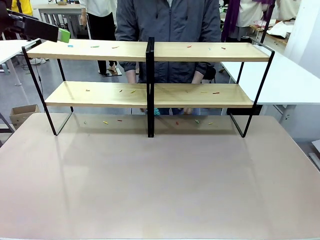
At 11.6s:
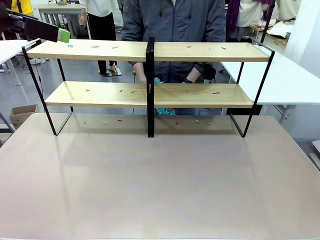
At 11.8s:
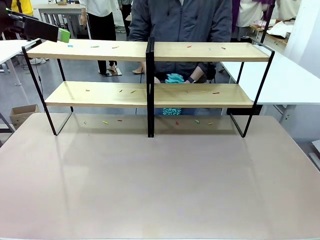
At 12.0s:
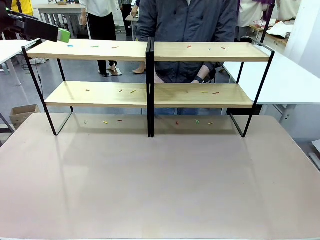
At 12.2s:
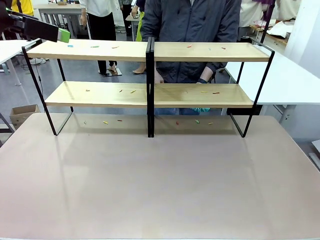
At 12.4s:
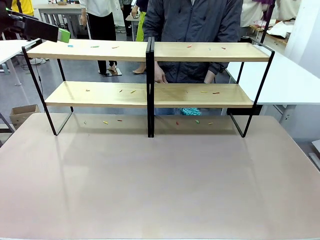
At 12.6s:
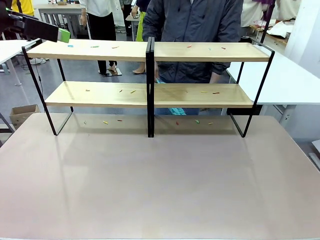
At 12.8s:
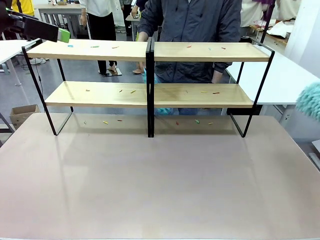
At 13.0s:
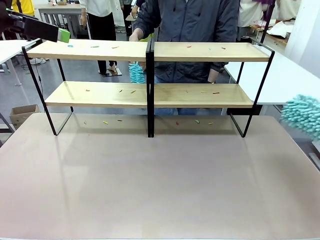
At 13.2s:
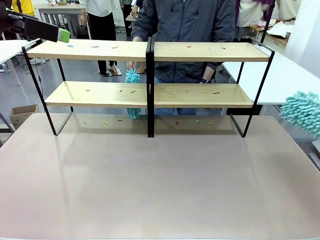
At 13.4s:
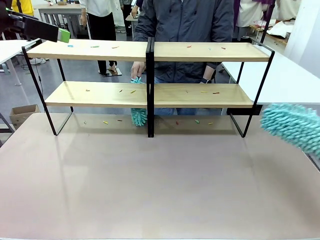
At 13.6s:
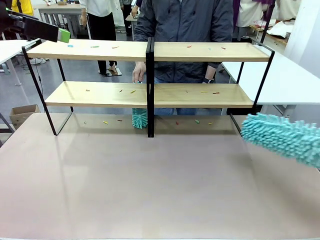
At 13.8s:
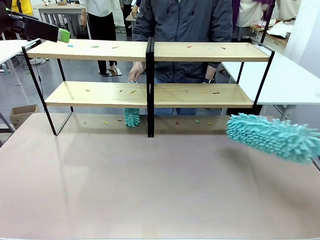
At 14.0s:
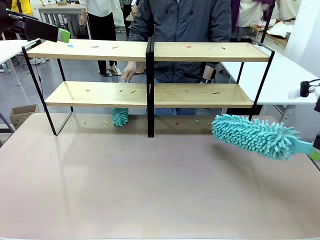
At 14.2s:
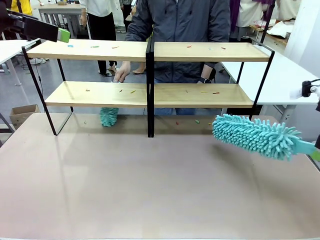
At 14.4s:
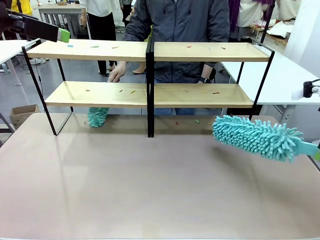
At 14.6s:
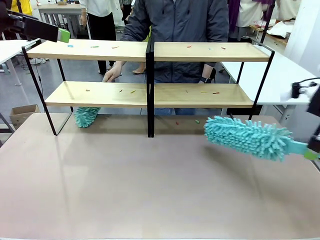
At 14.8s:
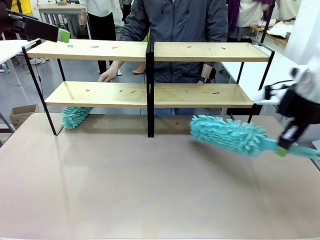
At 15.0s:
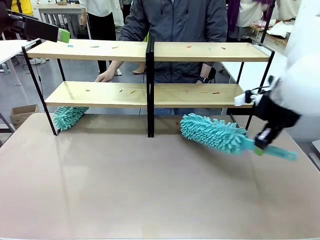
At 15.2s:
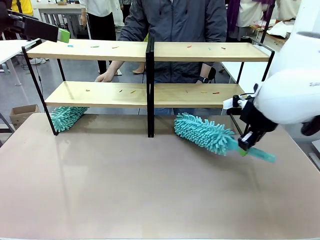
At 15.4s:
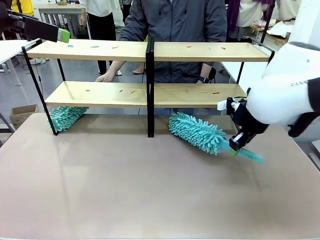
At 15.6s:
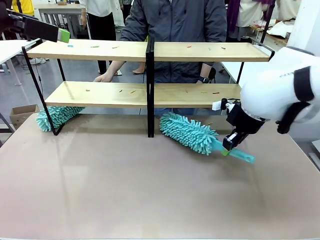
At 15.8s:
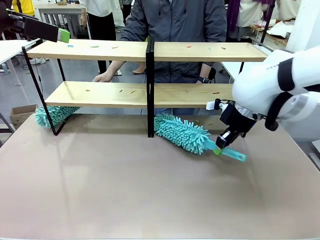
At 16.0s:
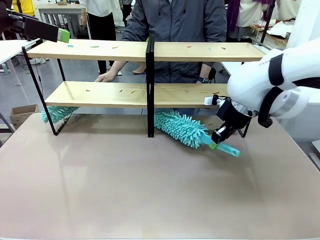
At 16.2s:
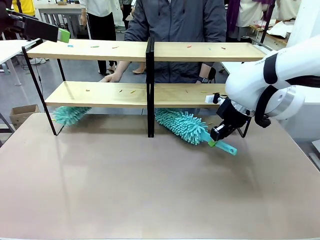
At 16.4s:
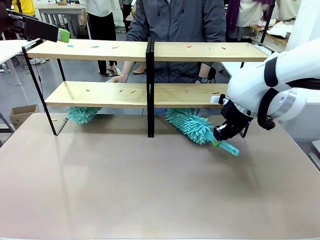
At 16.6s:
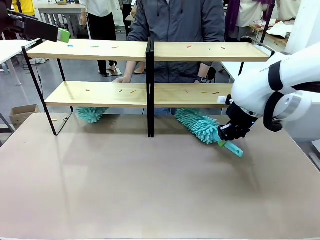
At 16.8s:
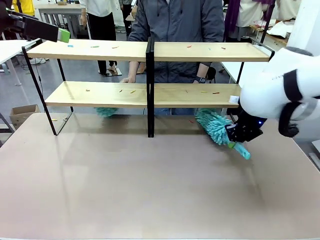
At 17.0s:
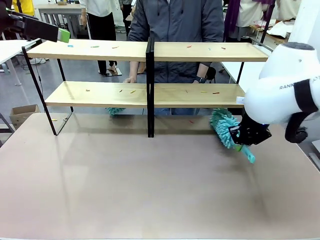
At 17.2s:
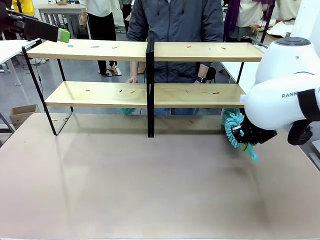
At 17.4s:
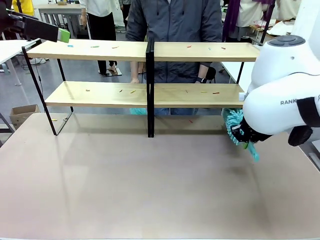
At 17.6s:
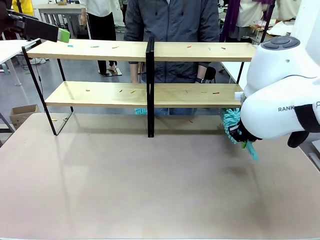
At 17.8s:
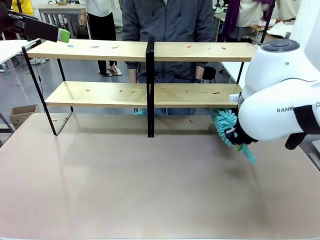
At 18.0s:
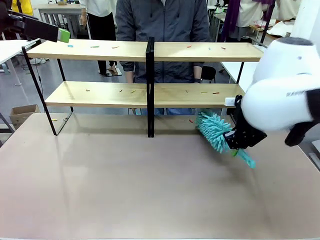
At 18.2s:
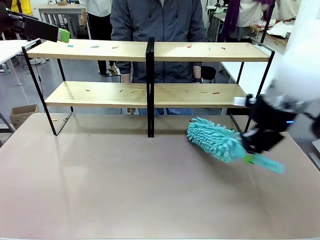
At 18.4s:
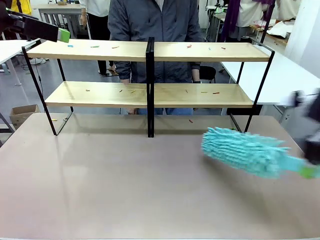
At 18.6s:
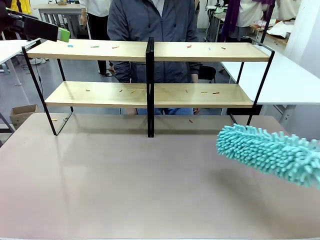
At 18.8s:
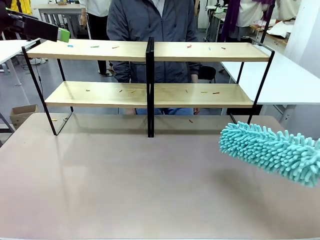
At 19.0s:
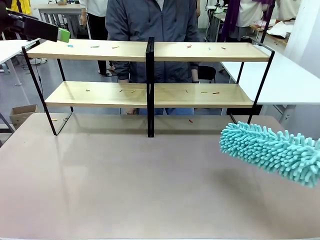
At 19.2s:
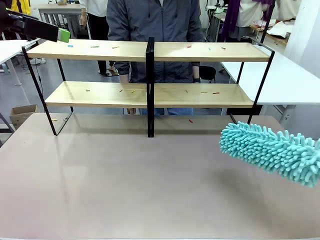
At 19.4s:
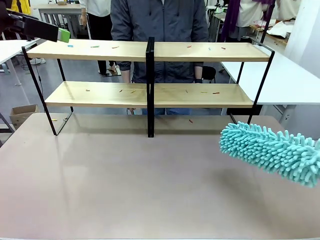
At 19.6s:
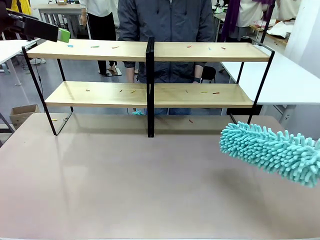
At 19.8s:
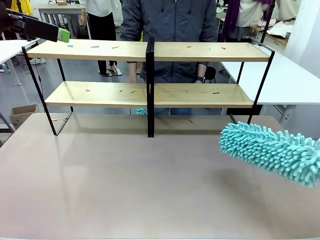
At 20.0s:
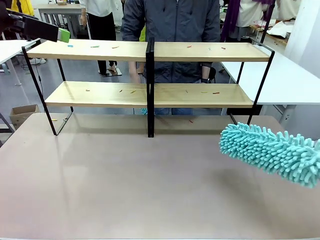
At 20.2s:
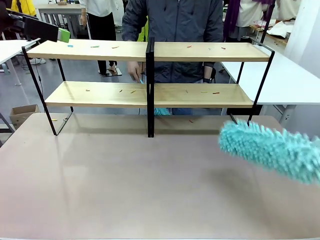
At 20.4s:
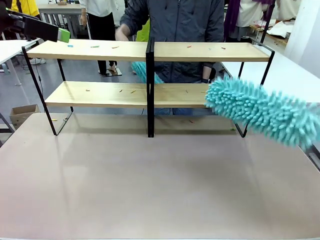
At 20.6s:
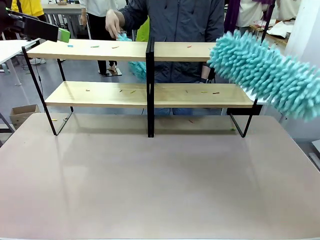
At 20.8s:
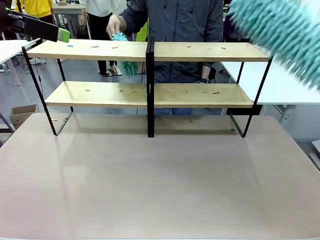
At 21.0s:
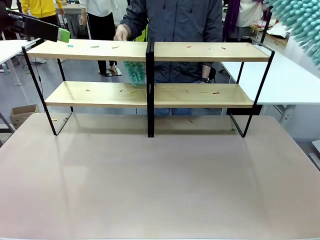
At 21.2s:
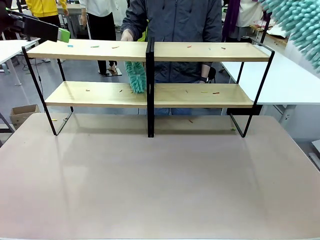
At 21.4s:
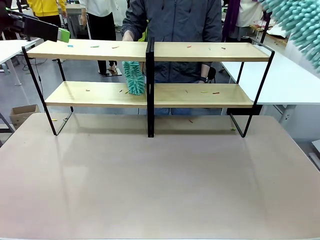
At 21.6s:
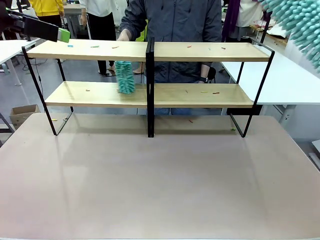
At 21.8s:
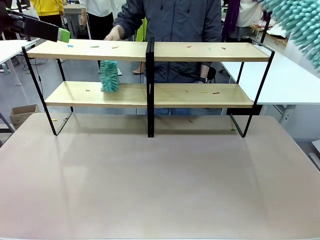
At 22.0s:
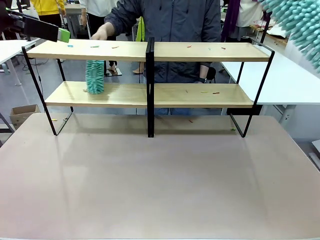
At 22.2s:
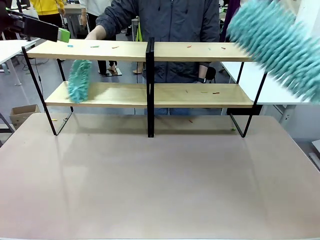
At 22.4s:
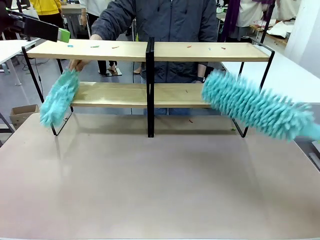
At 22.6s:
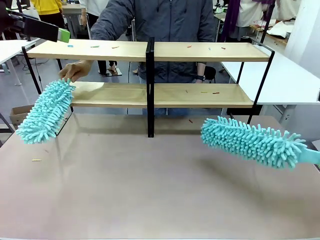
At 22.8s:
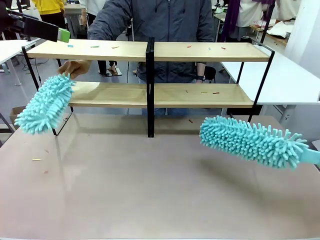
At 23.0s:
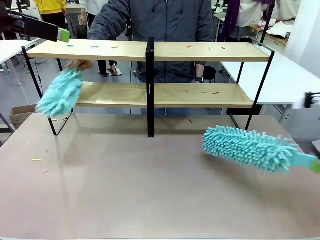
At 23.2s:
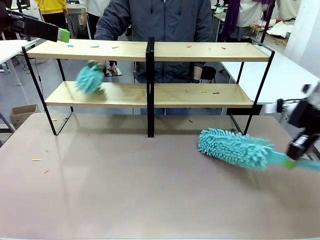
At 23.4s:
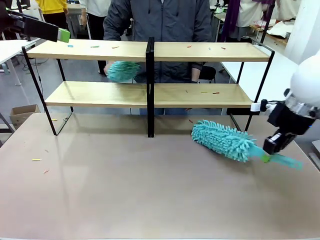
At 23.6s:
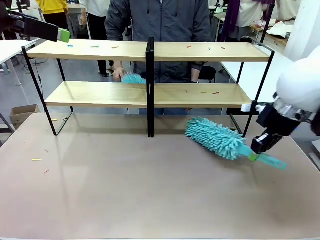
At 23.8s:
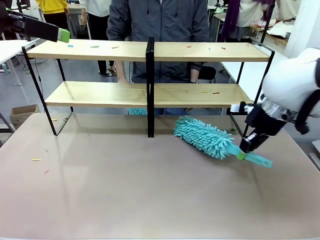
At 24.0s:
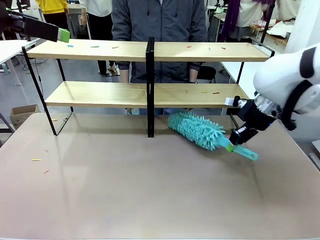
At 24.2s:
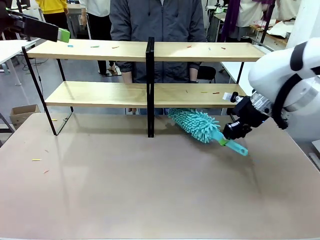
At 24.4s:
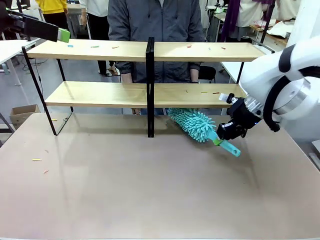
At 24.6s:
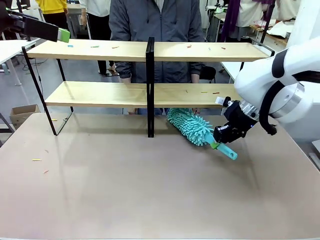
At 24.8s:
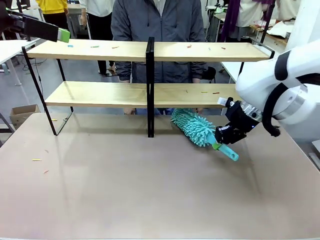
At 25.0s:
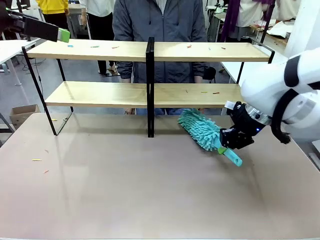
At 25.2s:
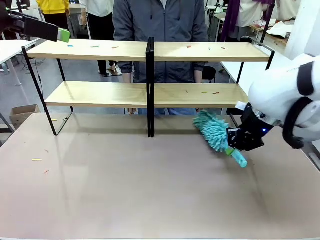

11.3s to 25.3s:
Task: Clean the shelves.
Robot: Clean a randomly selected level of the Shelf with the Duster.
